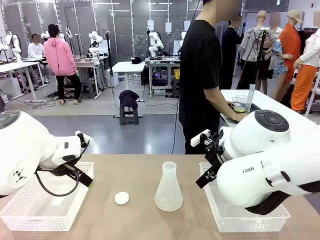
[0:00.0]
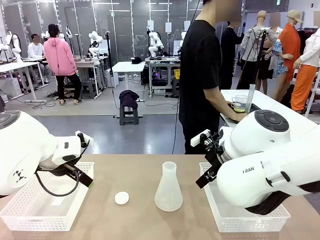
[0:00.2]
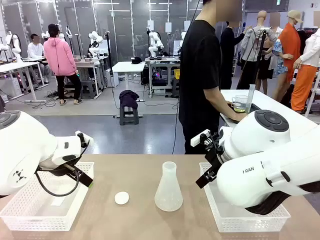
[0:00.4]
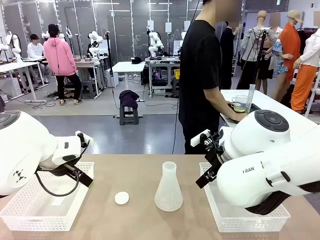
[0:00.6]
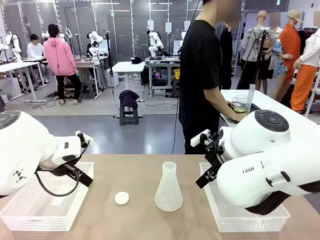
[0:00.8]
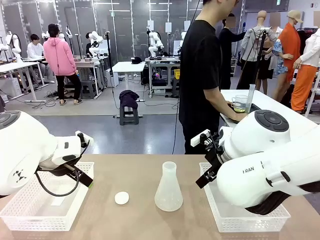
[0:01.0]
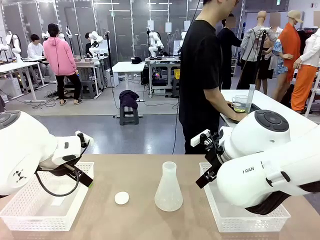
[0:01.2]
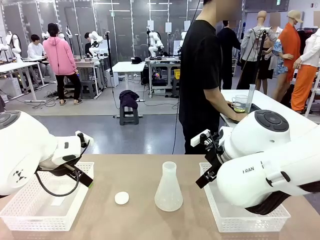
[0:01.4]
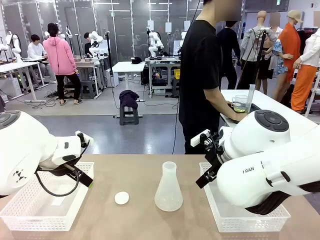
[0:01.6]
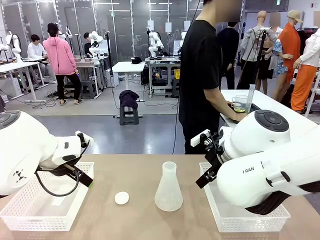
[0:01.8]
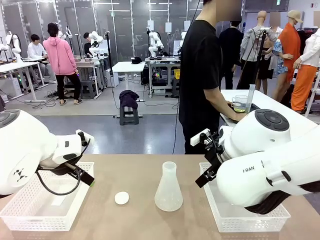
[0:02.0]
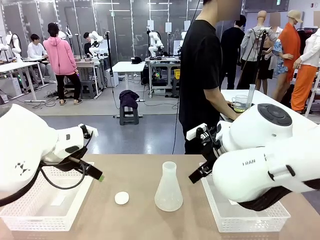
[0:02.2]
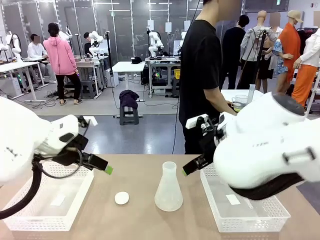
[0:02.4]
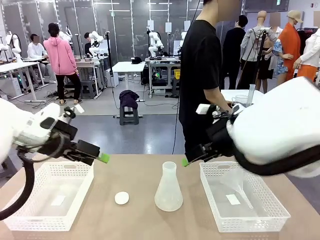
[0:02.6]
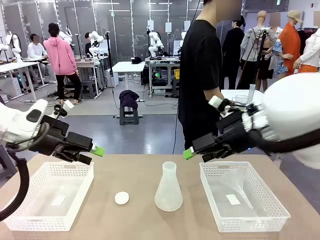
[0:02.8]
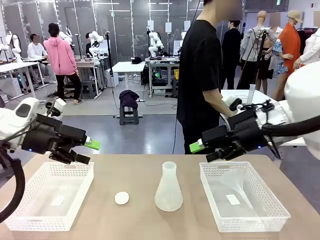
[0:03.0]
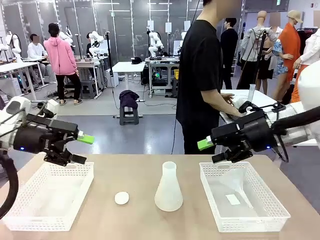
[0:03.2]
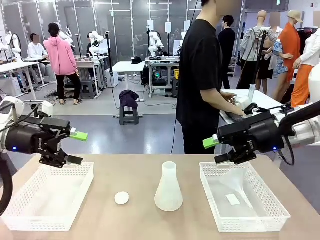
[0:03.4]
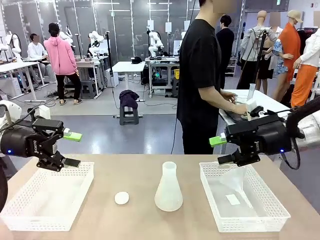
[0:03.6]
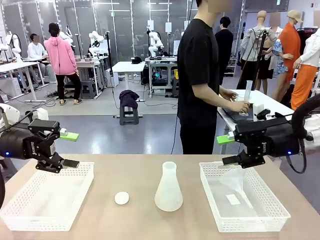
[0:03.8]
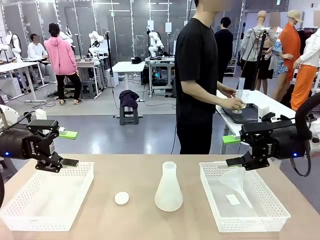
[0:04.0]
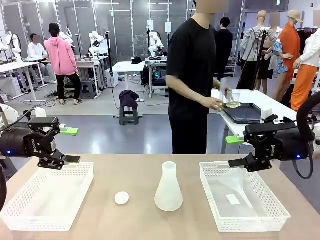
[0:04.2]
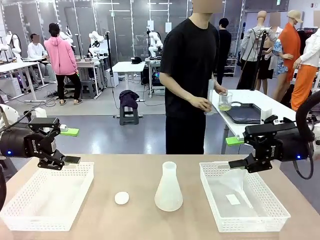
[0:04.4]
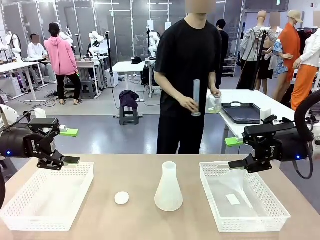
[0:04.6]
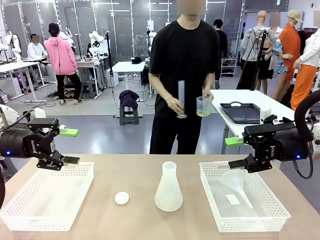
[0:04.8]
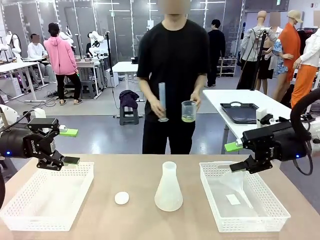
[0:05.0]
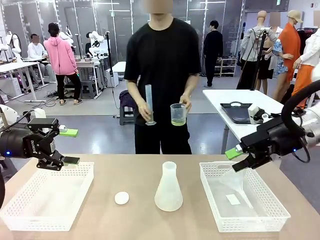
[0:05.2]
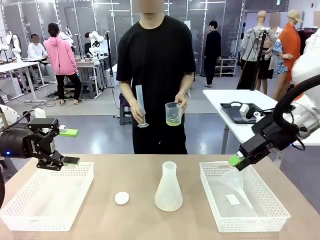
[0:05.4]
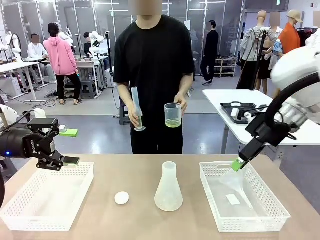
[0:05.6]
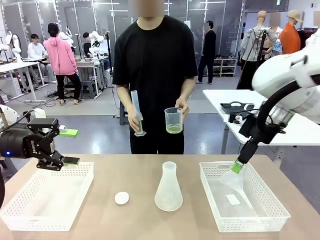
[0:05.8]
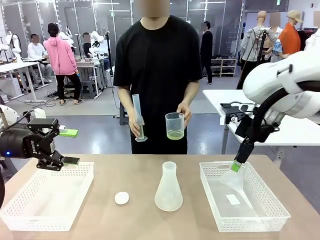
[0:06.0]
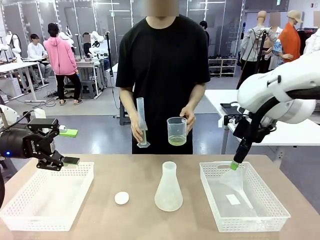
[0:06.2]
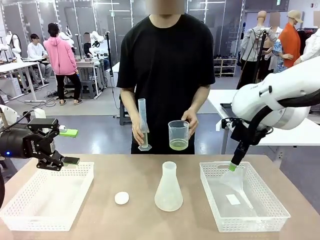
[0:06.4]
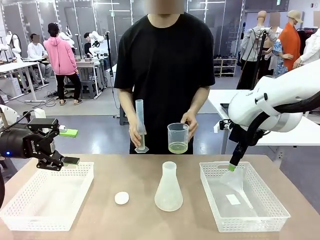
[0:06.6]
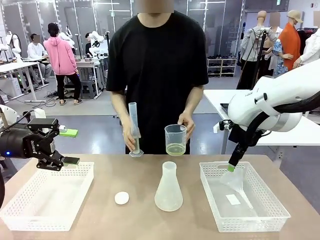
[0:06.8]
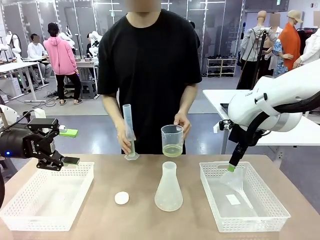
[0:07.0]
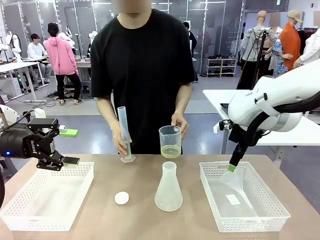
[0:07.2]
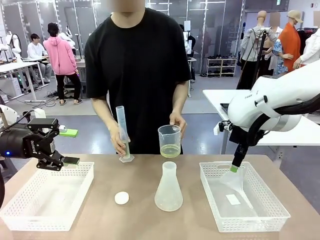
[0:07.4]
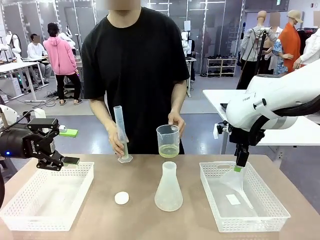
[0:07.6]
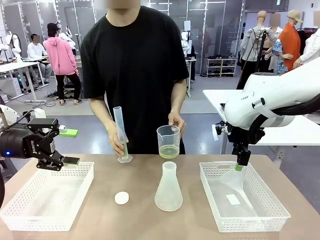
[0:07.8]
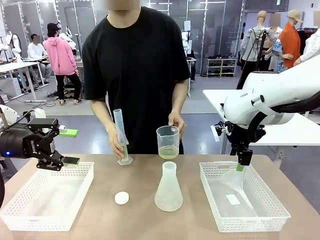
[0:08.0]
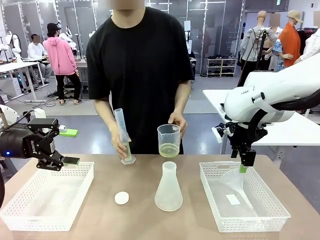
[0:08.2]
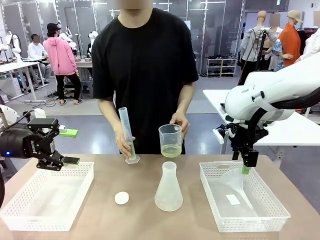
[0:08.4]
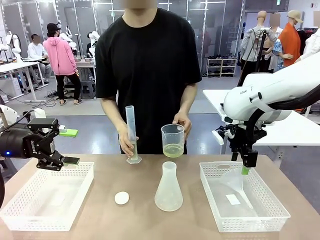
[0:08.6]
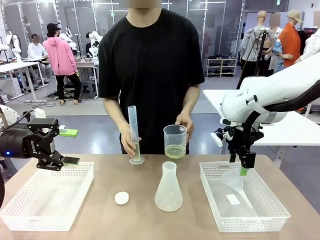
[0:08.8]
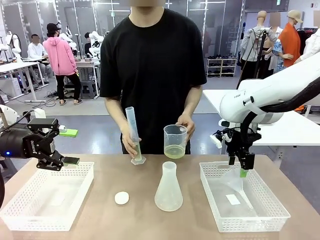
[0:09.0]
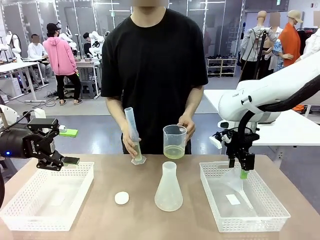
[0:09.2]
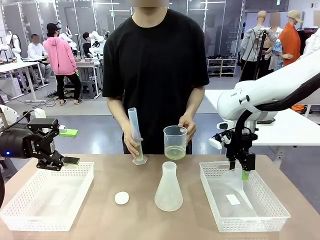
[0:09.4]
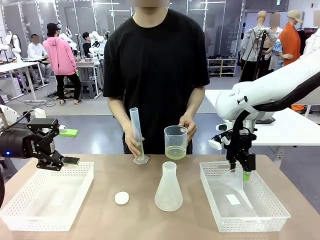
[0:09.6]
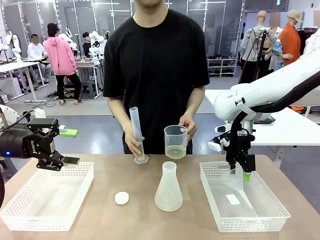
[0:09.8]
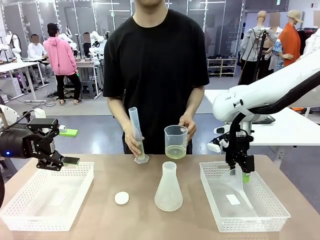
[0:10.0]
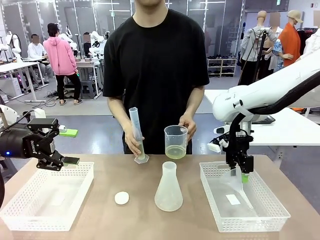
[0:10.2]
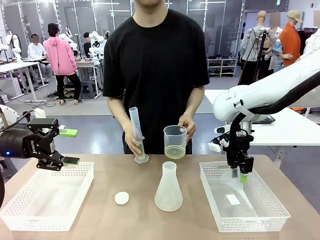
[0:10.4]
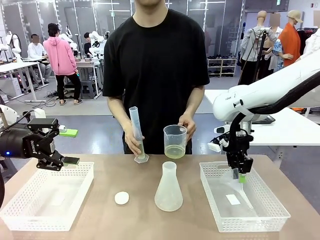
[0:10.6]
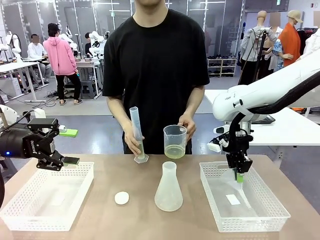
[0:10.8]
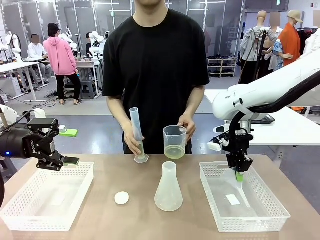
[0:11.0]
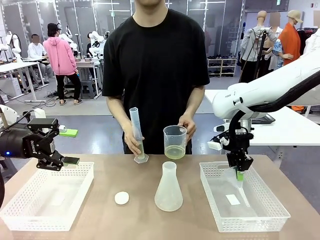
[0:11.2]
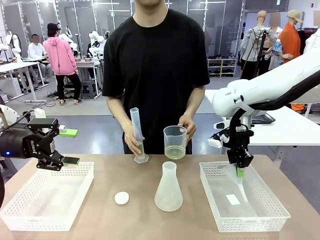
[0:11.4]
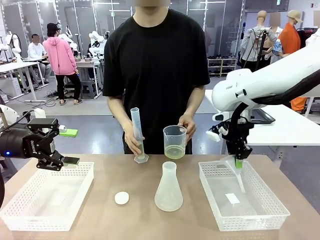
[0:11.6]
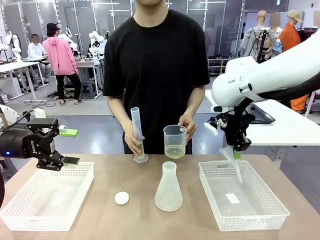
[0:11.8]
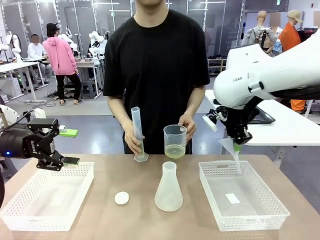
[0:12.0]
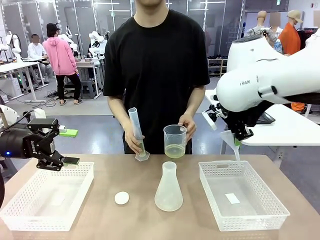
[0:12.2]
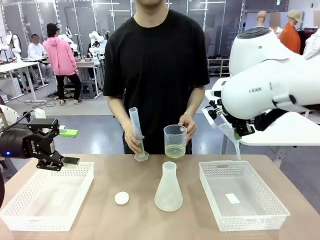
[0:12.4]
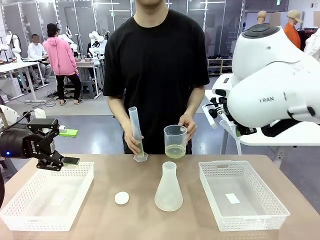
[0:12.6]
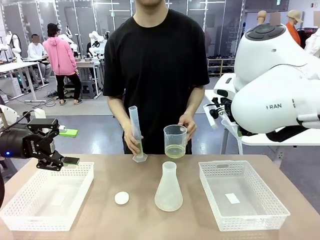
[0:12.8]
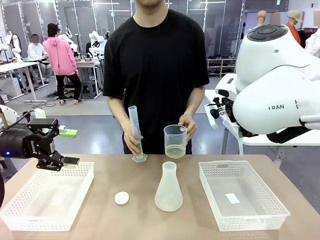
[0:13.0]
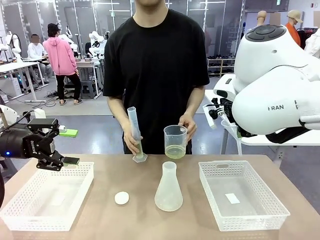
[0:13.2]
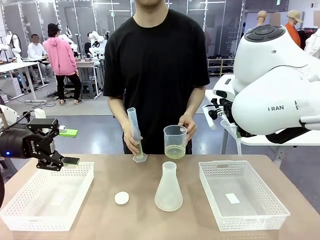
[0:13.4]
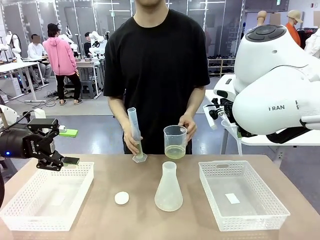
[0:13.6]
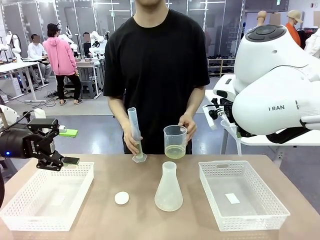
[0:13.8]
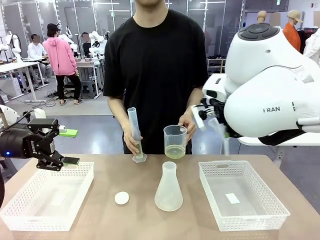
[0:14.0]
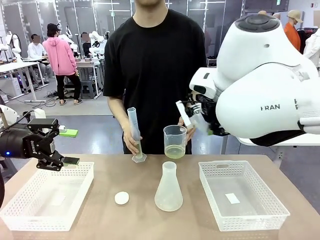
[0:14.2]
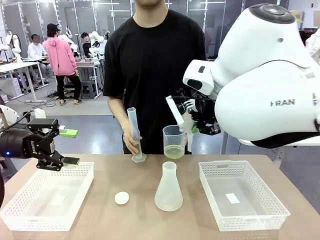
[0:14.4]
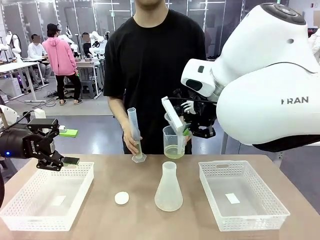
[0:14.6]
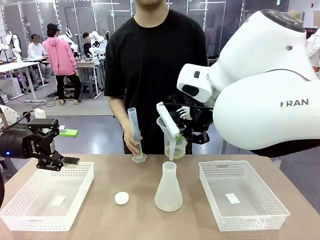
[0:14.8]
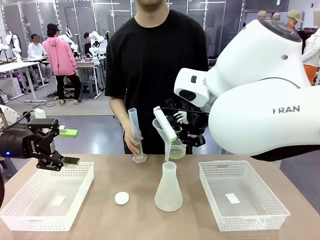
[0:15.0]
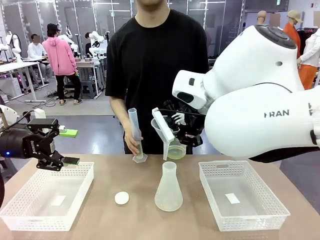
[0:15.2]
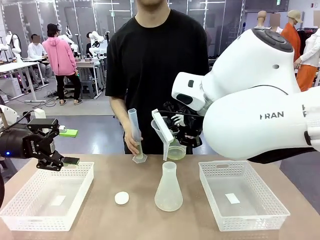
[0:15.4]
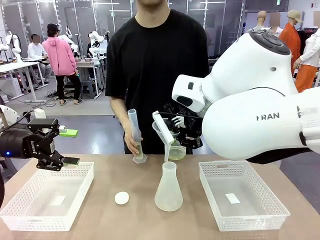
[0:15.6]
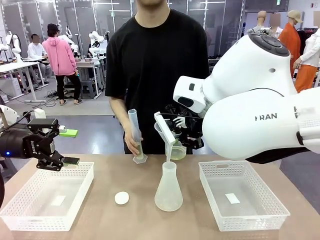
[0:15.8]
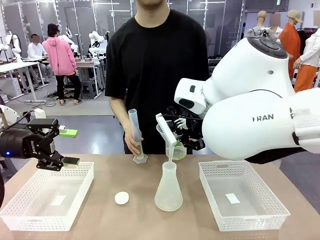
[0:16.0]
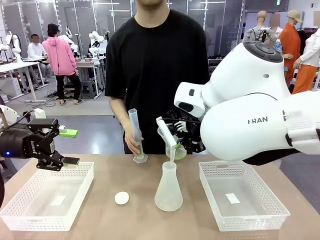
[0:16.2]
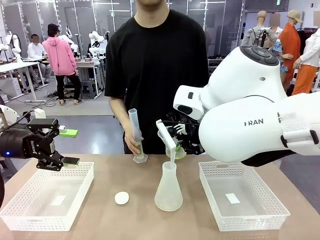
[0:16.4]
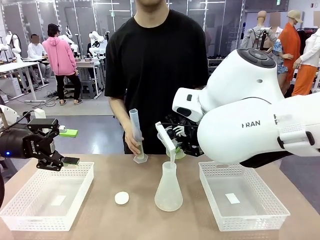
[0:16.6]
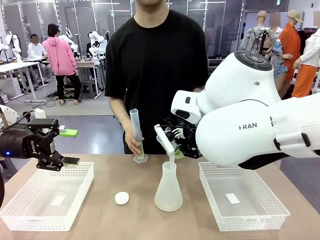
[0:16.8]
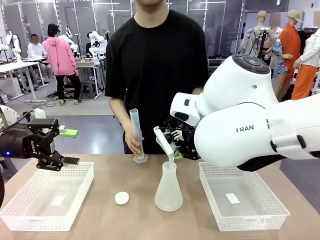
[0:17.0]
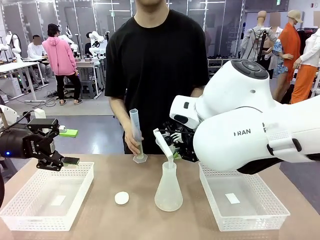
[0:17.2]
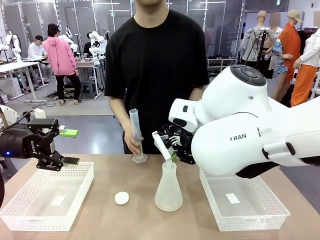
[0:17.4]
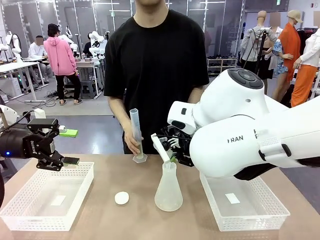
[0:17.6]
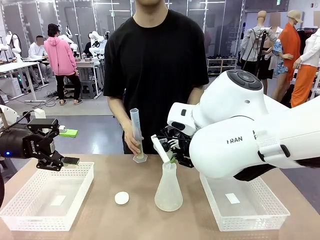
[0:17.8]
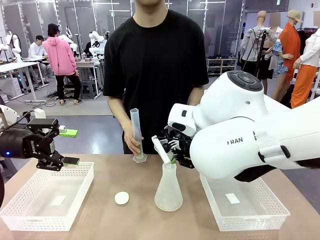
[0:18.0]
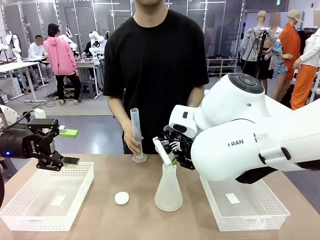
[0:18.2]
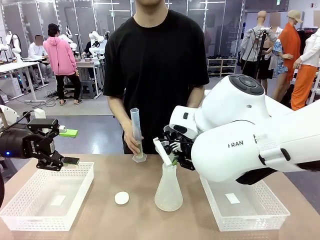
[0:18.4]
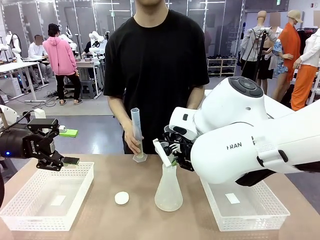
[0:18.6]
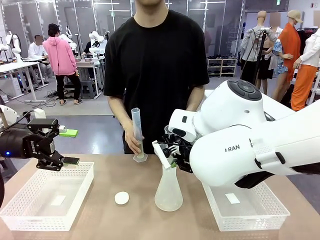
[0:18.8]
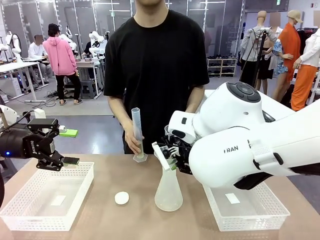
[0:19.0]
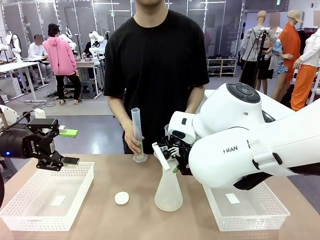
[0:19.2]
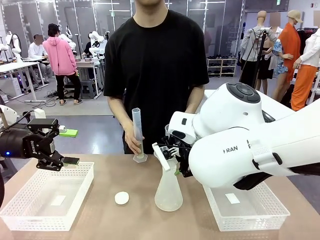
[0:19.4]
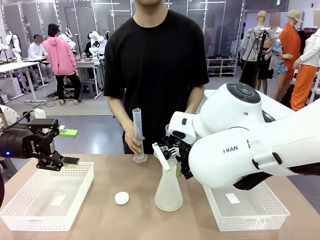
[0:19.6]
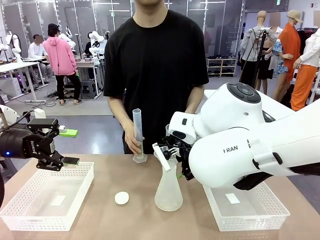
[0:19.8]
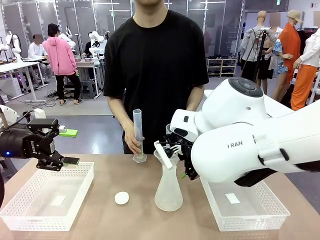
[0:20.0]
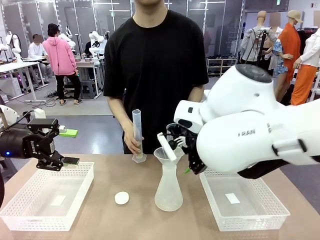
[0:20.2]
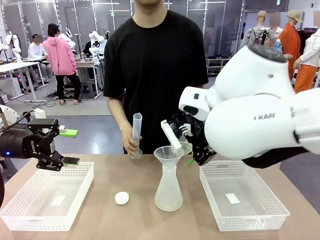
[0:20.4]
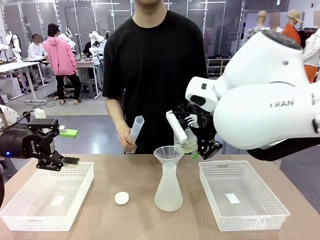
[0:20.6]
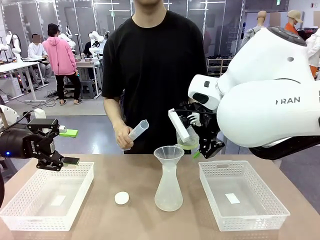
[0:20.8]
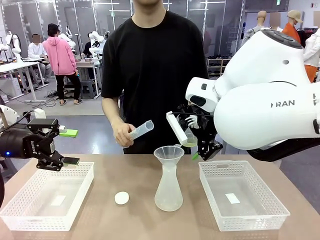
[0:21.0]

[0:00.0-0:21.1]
Task: Prepare the solutions needed for the experiment.
Robot: Pick up the Plastic Funnel and insert it into the Big flask.
Person: Pick up the beaker and the cylinder and move to the middle of the robot table. Pour the solution from the beaker and the cylinder into the flask.
